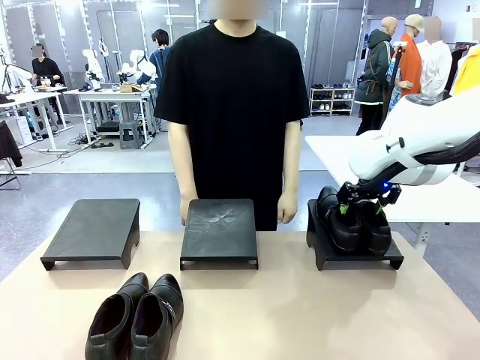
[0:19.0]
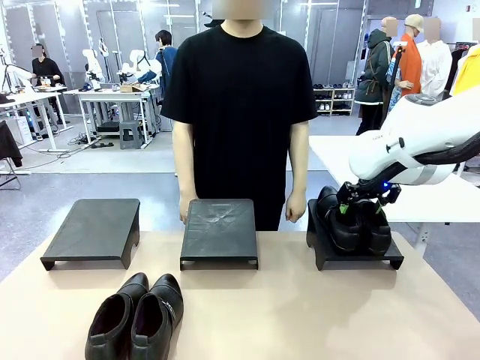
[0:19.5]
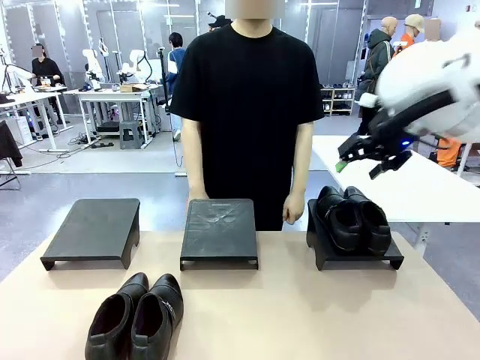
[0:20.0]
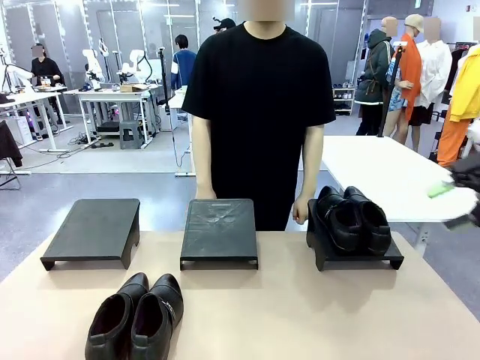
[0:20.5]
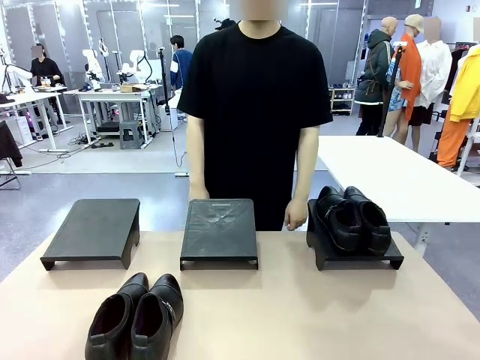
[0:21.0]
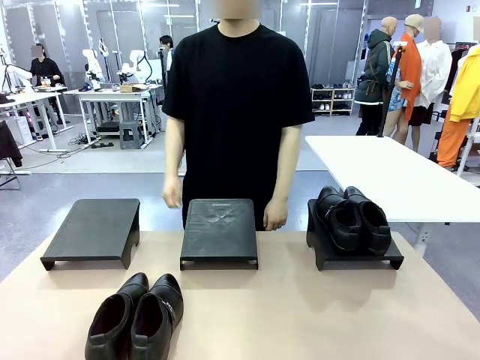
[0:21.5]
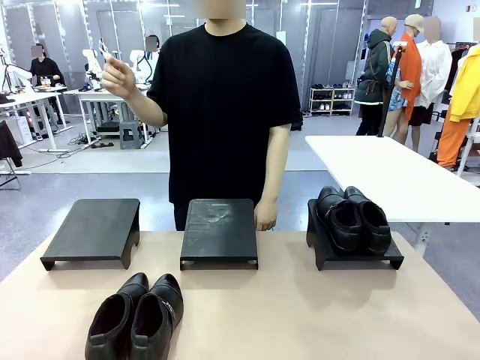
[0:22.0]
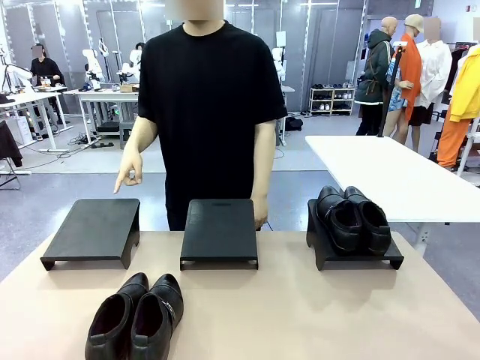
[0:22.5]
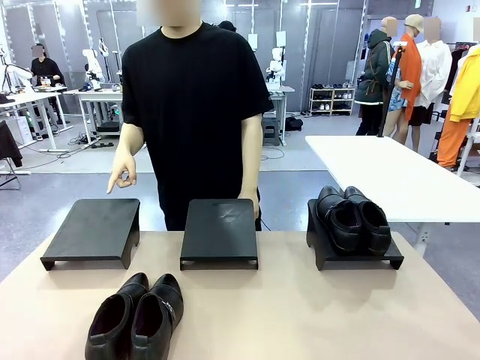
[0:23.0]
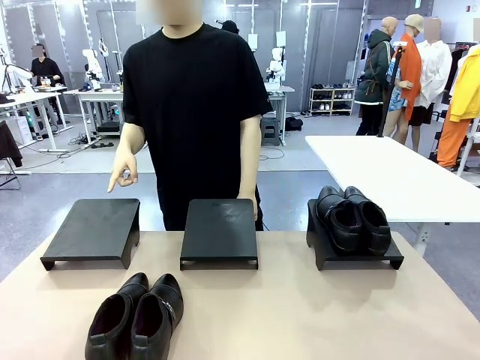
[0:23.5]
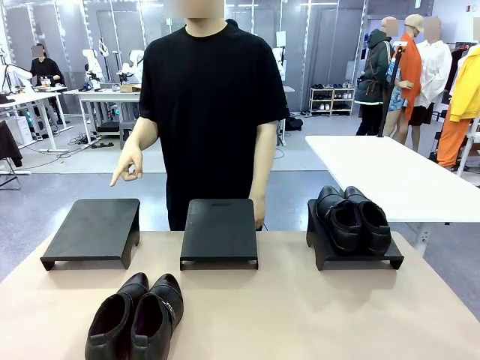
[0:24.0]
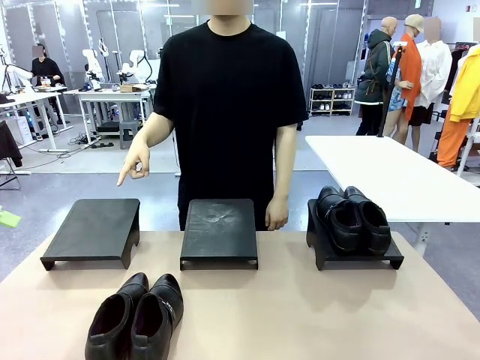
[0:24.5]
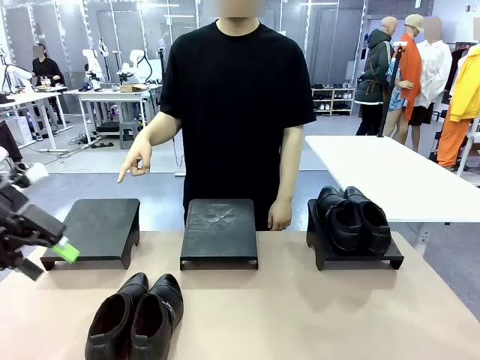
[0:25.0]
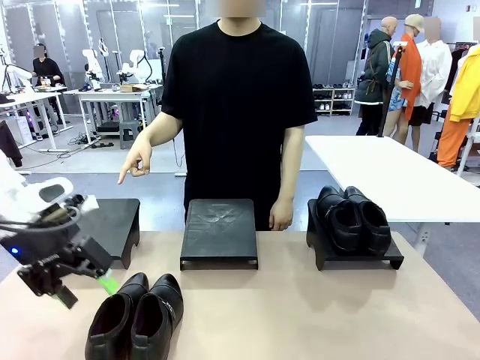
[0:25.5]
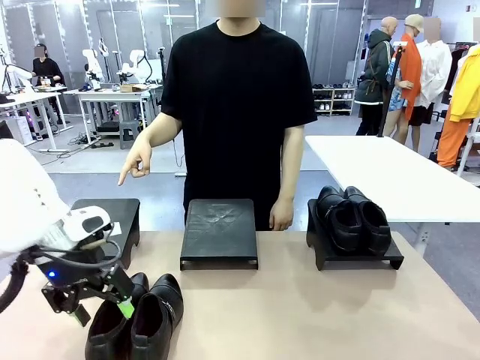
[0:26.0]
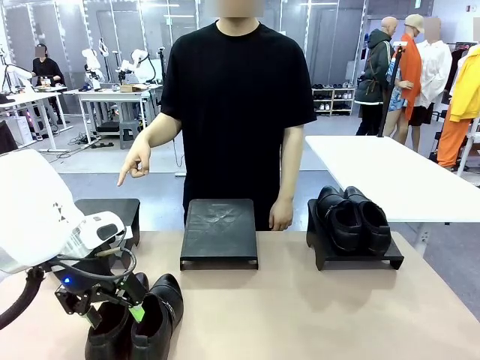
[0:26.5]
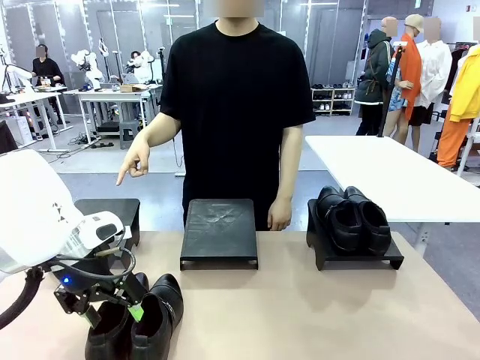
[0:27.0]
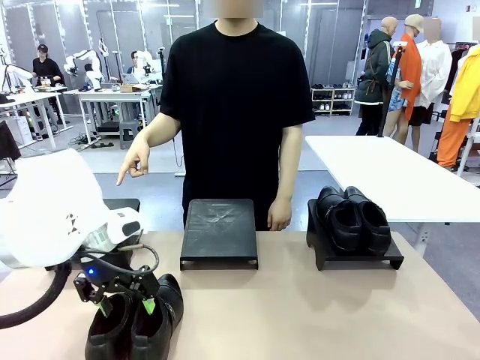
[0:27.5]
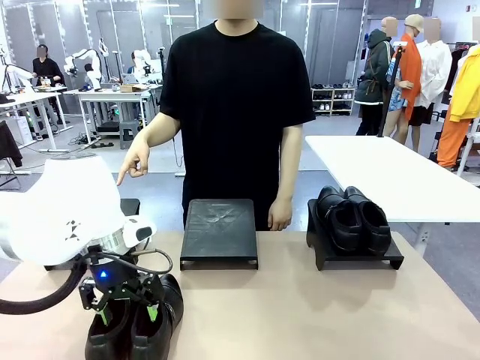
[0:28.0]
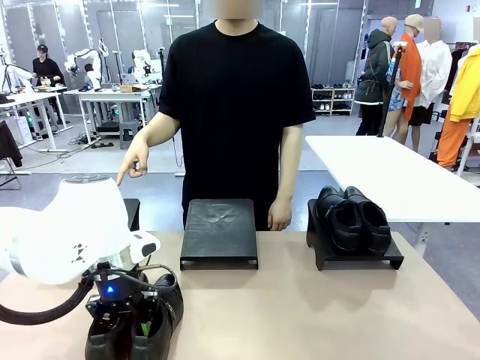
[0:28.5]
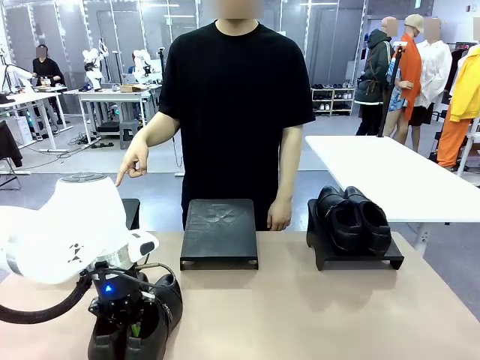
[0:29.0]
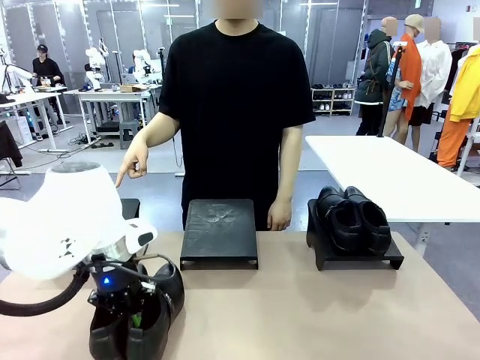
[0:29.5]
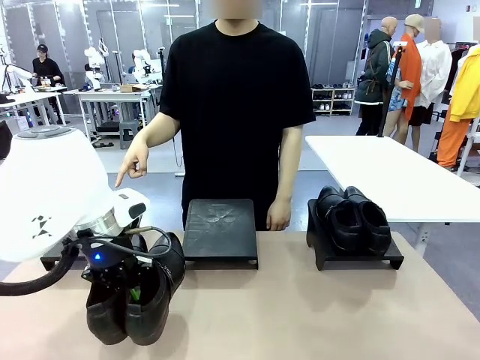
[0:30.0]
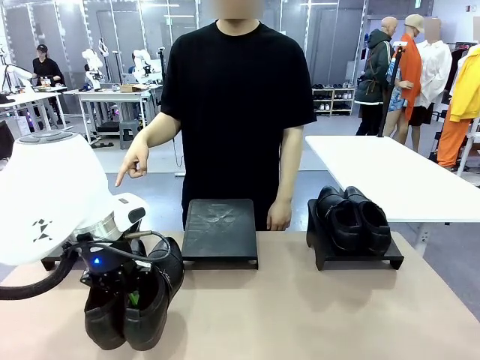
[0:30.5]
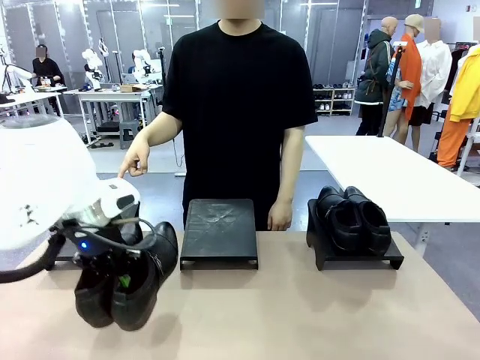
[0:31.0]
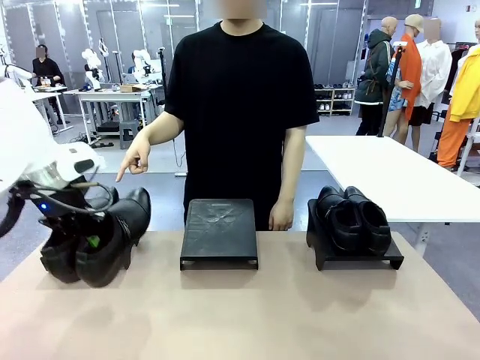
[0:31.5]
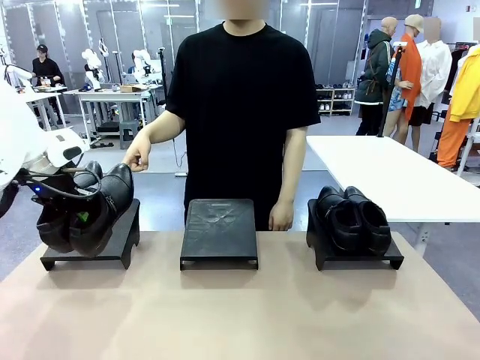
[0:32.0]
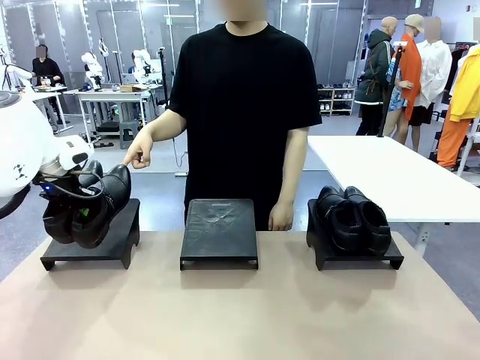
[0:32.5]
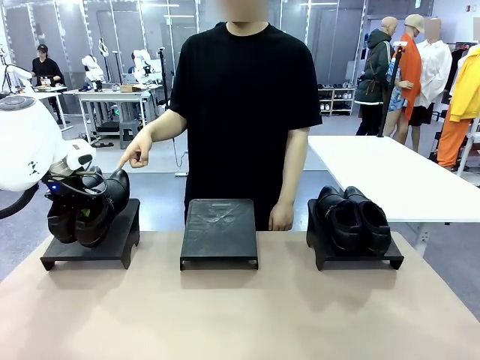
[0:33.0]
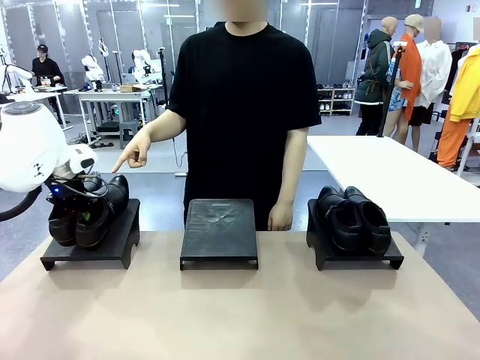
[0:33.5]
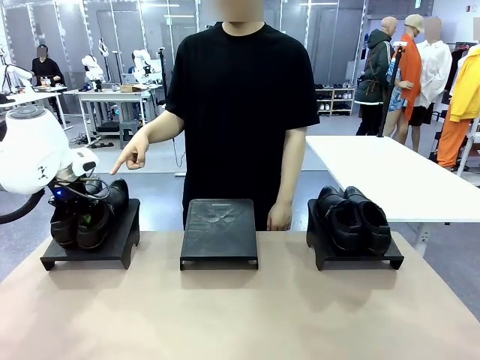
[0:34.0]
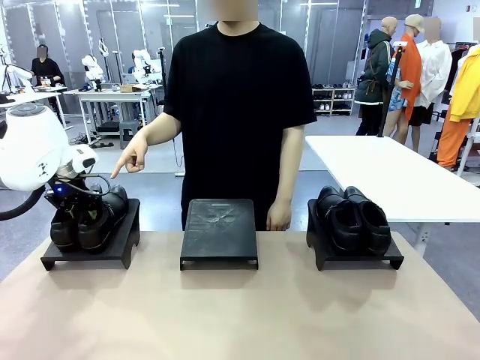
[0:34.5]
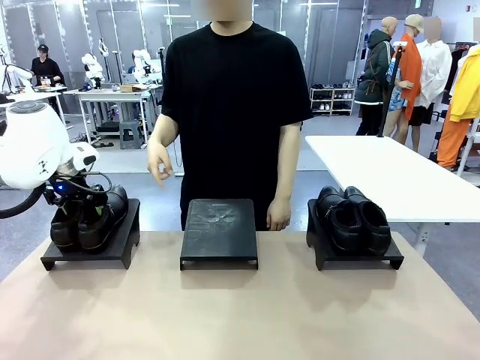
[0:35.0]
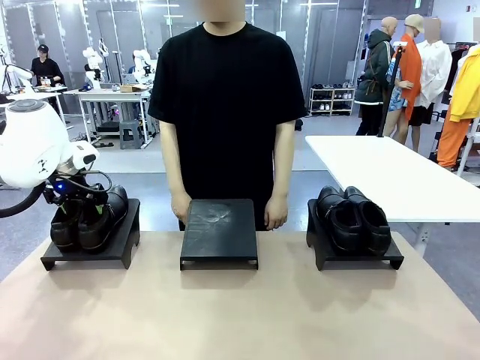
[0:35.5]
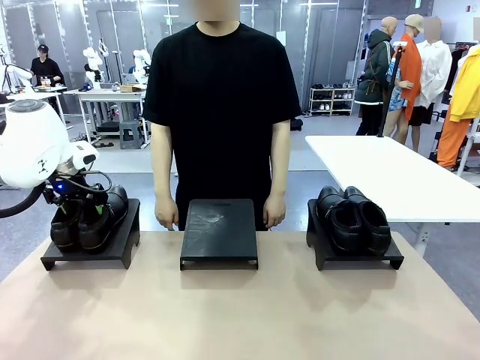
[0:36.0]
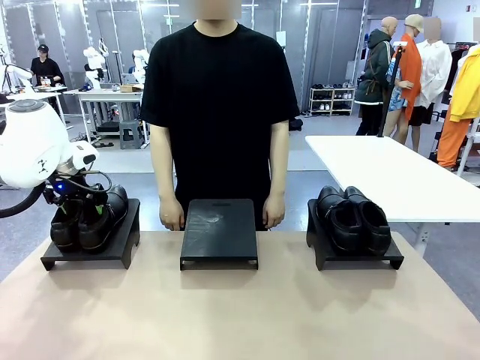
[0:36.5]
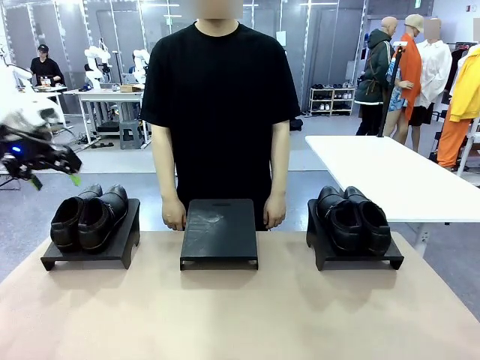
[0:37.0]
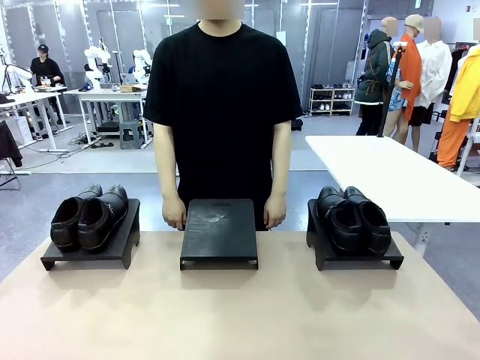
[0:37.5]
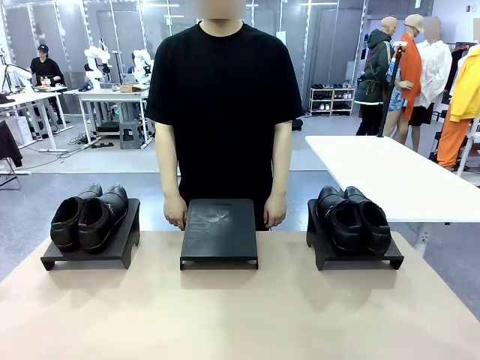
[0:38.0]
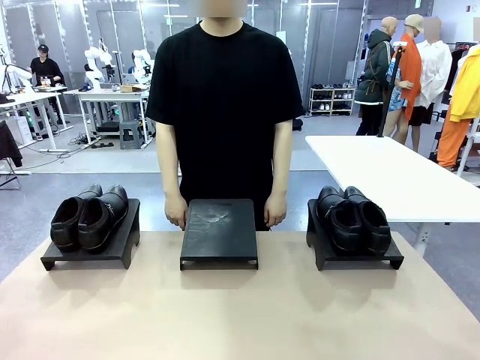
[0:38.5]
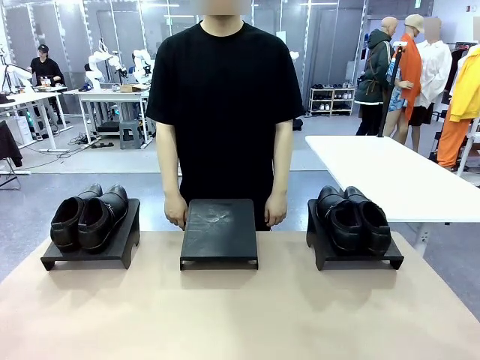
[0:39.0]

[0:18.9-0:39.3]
Task: Place the shoes on the stand as instructed by the person.
Robot: Pick up another pair of Shoes and place it on the Shoes Stand indicated by the person.
Person: Point to one Shoes Stand.
